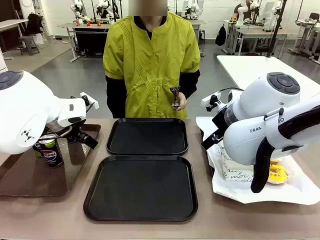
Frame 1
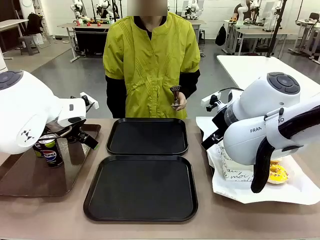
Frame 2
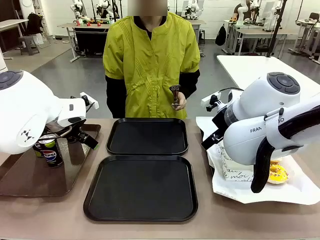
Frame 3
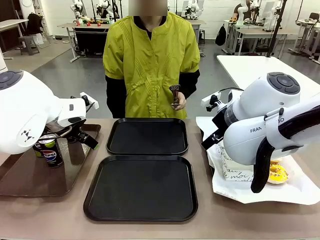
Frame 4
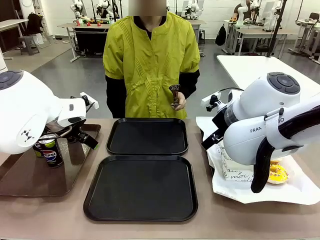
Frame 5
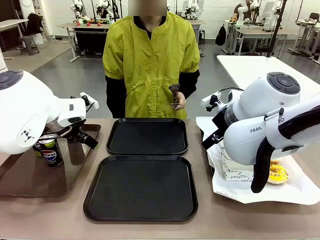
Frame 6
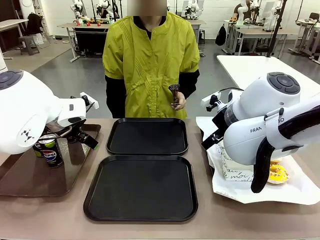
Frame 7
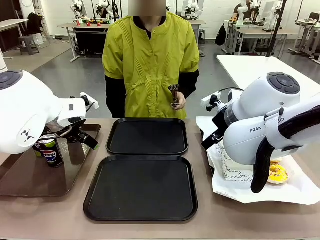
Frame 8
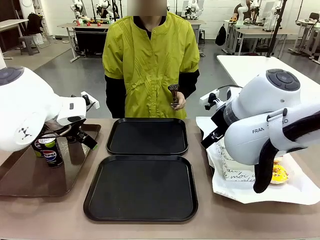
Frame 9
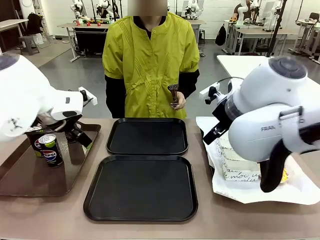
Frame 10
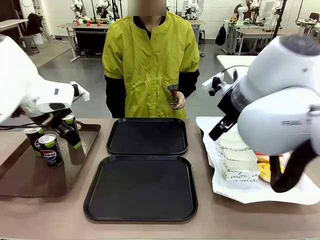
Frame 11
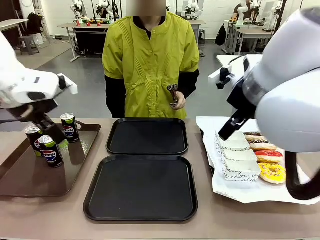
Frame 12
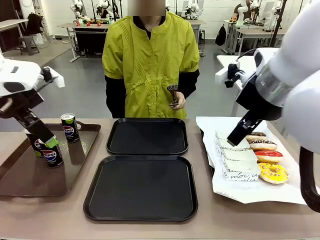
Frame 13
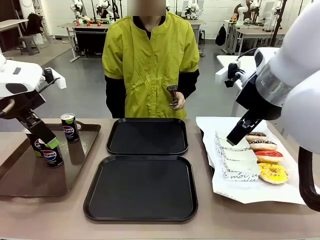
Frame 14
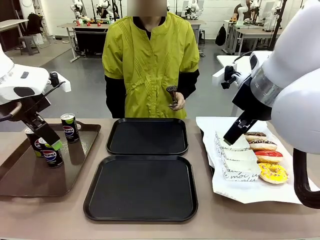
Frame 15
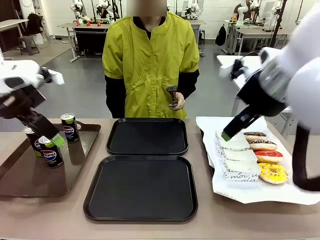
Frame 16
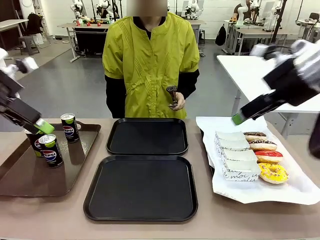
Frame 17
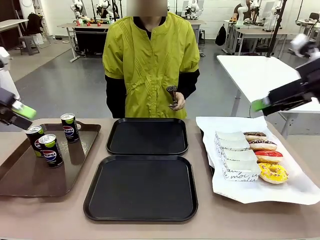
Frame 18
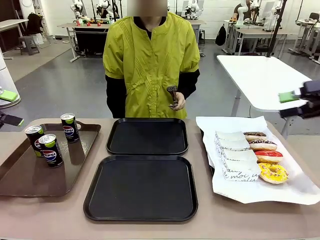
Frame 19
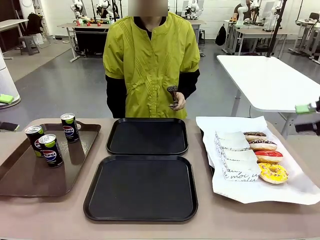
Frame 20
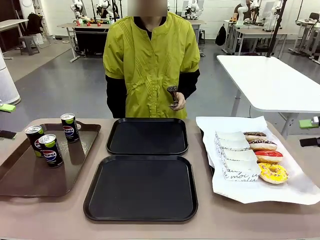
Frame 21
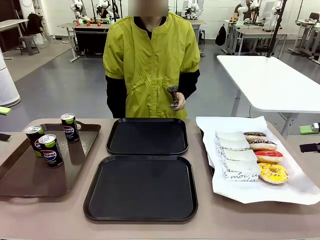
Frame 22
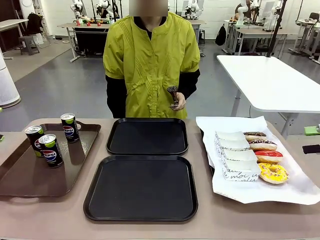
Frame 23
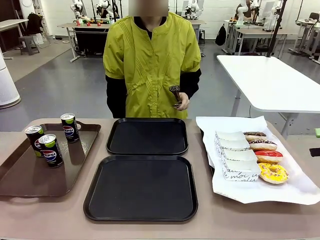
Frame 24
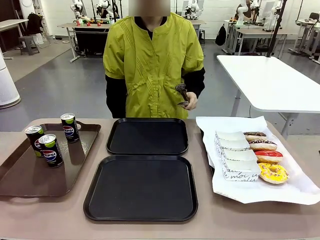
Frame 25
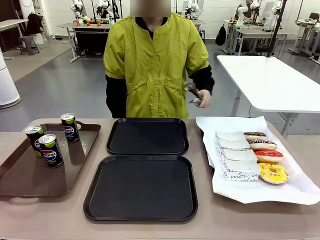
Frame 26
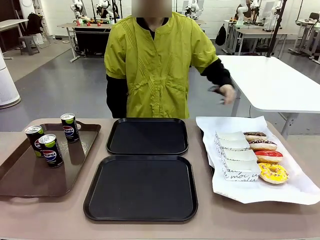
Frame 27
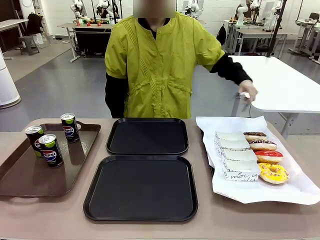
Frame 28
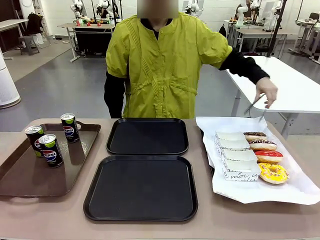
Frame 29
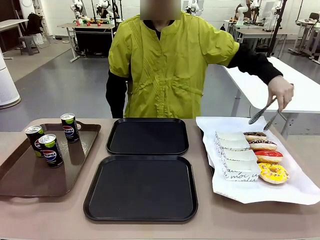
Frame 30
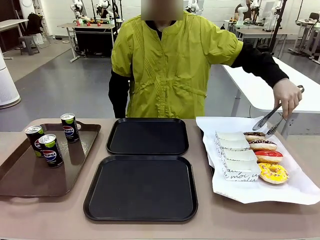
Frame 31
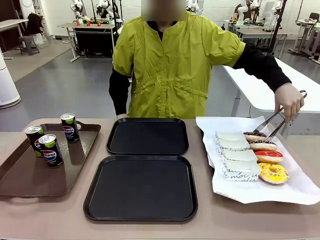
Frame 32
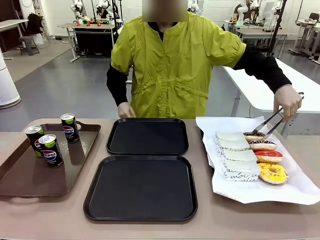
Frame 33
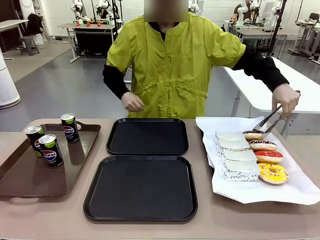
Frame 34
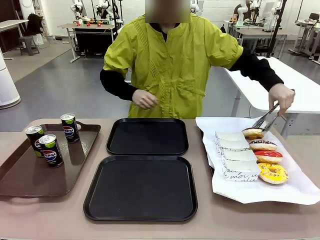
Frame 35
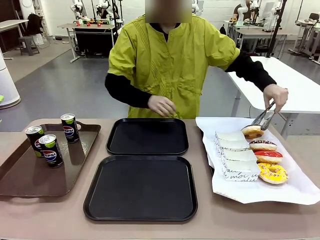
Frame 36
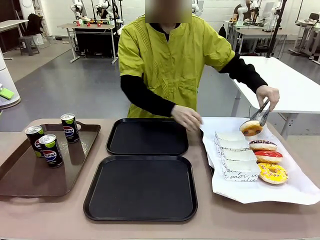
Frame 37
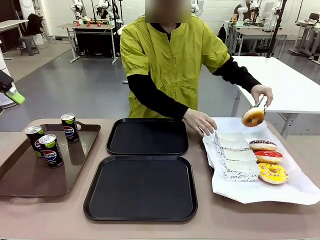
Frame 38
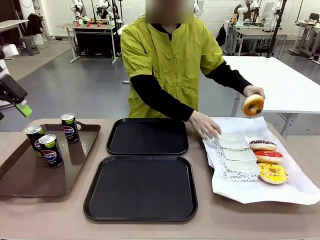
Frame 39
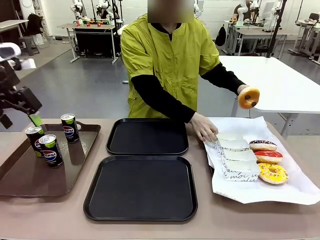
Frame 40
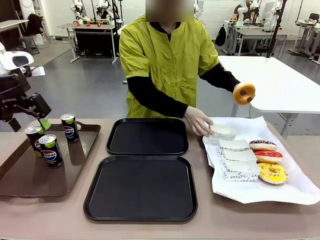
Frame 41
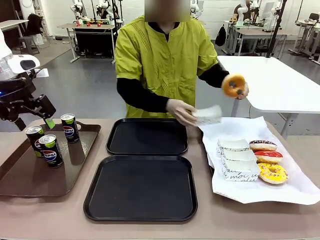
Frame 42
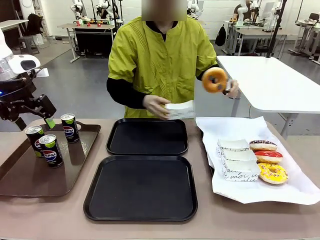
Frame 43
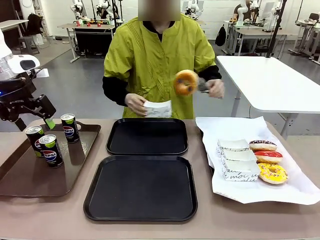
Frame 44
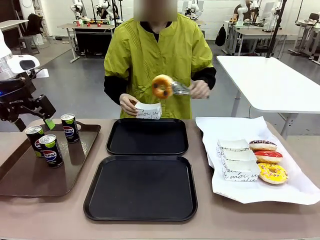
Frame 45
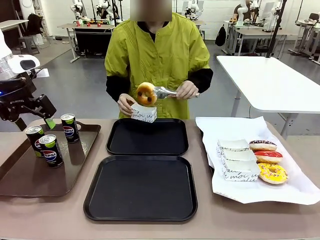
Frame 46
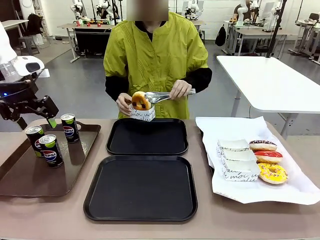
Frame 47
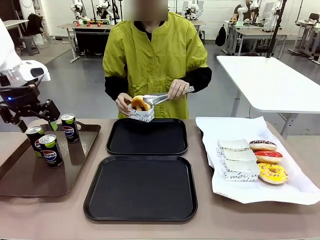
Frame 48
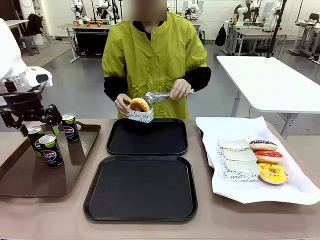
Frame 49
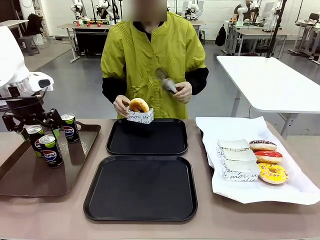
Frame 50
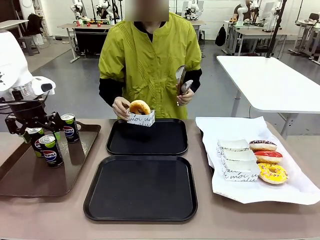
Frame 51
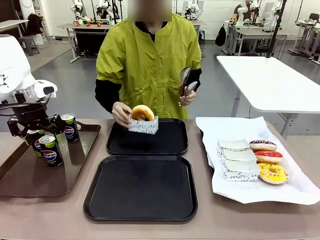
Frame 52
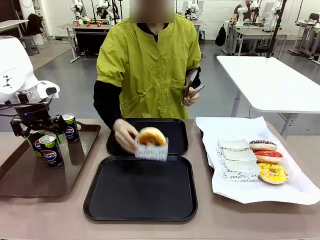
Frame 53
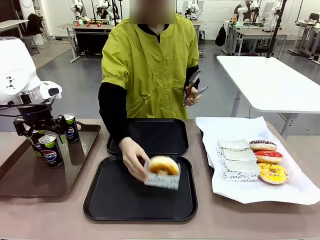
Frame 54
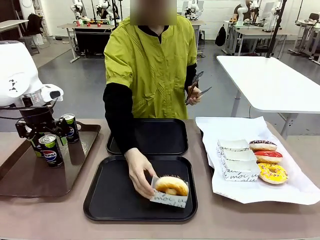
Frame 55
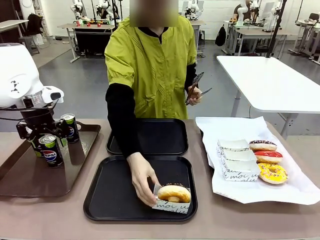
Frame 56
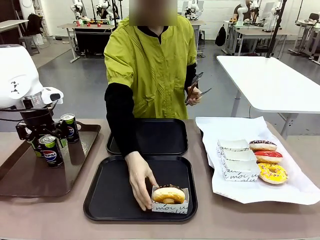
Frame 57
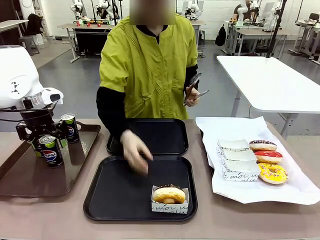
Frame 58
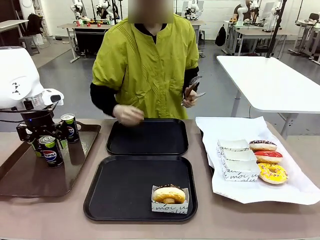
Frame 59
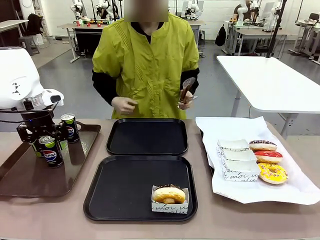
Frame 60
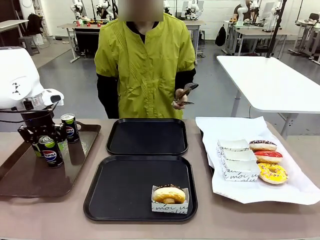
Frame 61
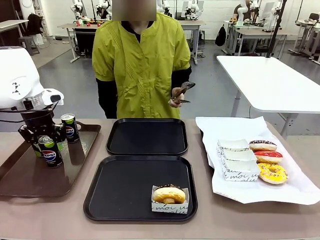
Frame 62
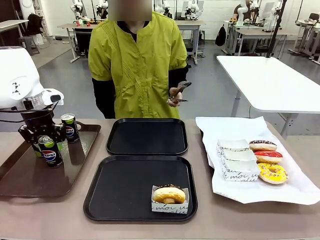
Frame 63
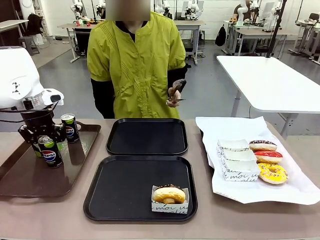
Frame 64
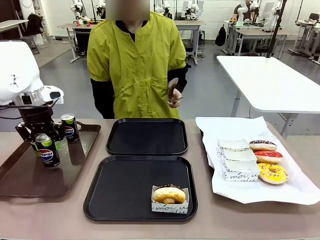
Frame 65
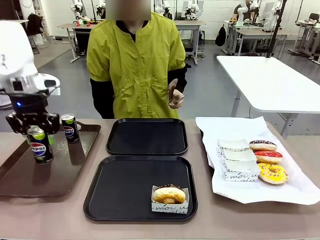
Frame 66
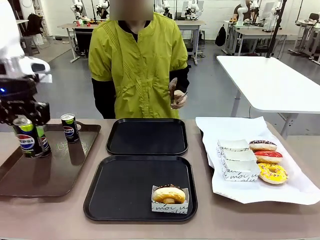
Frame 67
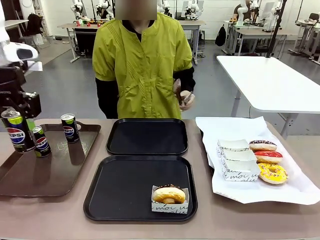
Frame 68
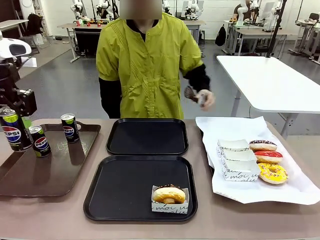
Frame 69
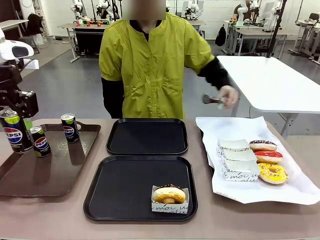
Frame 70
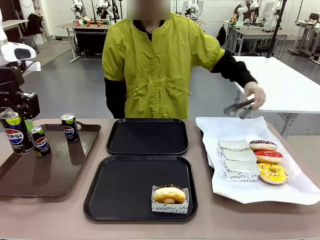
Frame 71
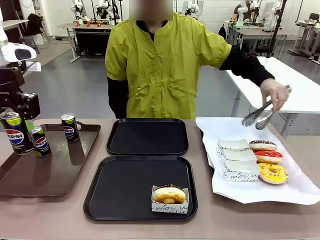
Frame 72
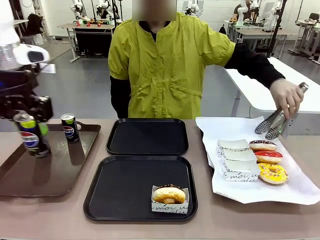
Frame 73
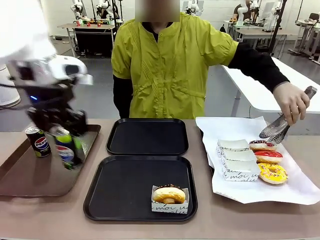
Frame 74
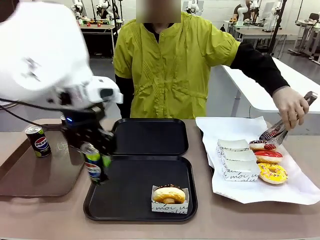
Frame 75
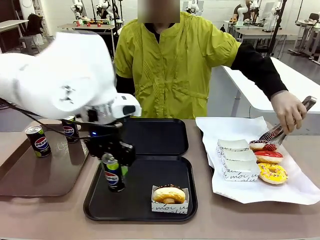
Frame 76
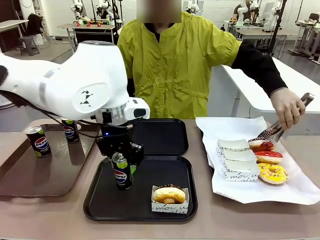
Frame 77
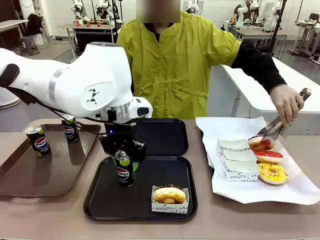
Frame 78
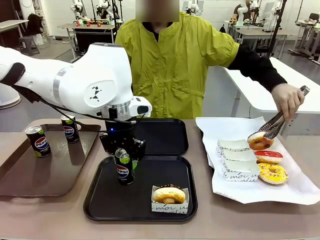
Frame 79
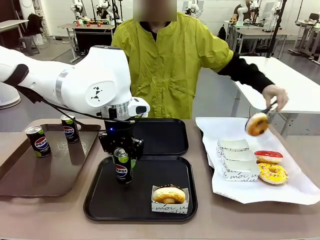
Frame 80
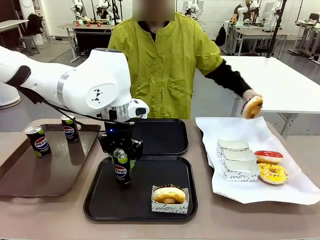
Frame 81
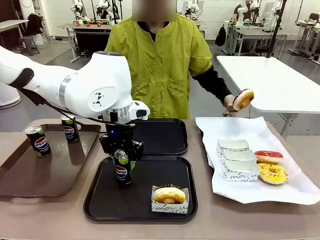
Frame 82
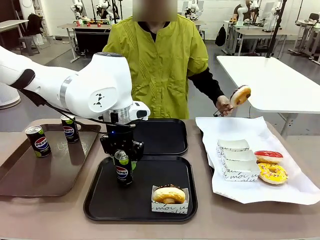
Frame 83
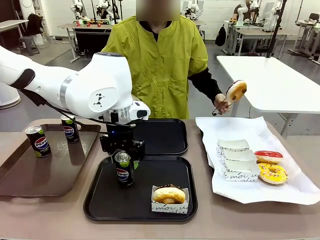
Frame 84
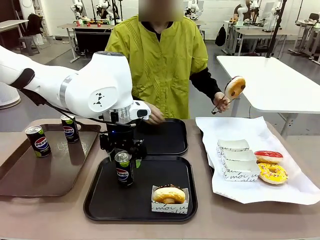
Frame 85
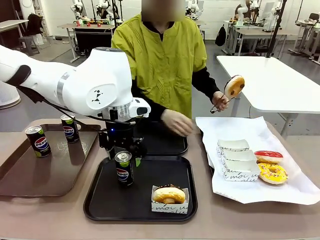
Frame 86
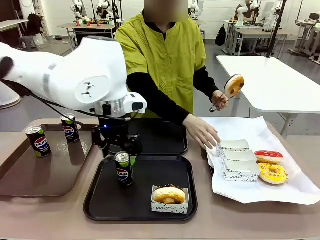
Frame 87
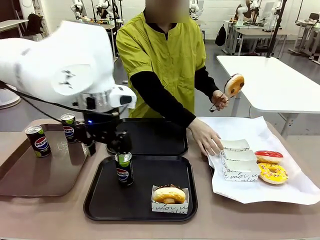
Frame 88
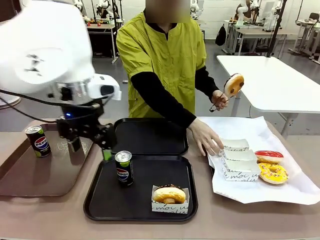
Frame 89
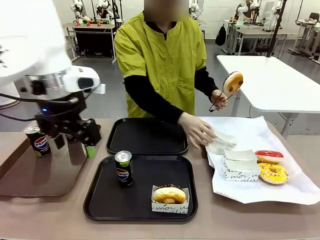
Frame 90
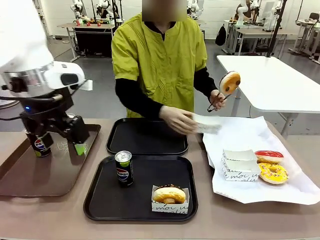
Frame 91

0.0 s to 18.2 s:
Task: Set up donuts and drinks on trays.
Robot: Pick up one Pepsi coke and place it on the Flat Tray.
